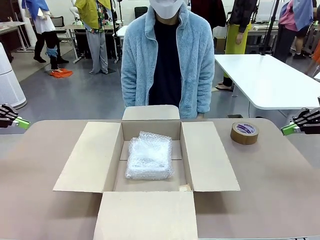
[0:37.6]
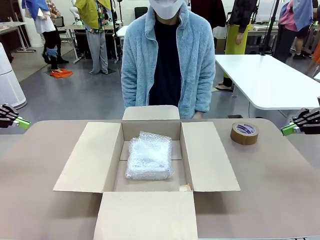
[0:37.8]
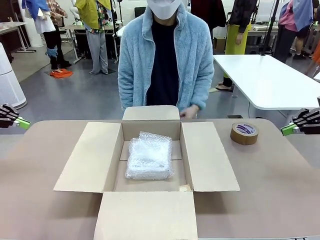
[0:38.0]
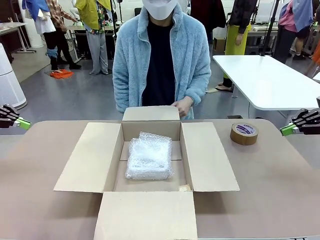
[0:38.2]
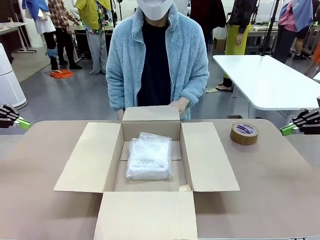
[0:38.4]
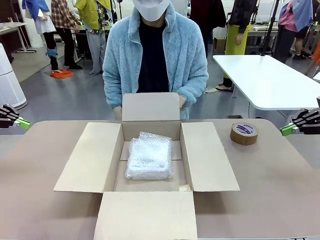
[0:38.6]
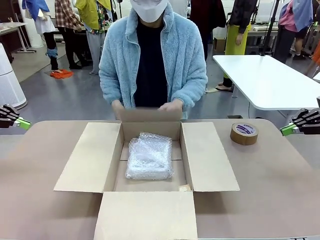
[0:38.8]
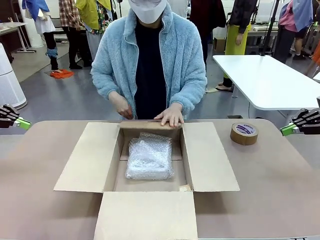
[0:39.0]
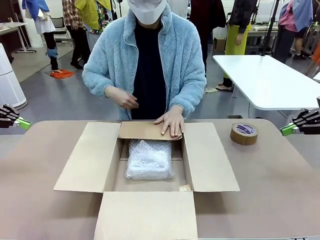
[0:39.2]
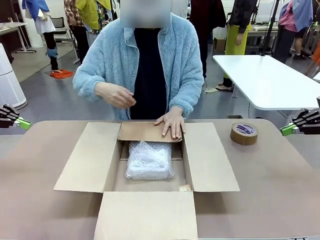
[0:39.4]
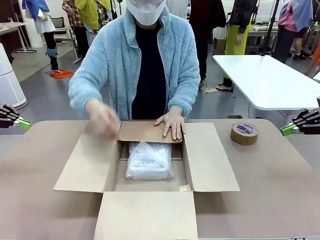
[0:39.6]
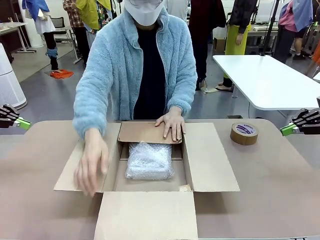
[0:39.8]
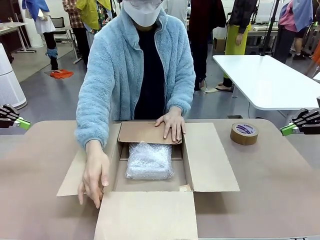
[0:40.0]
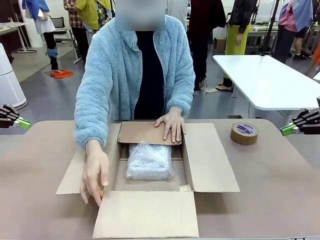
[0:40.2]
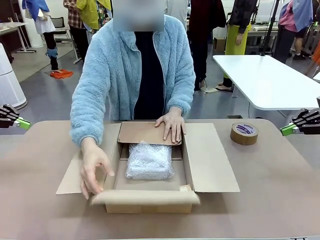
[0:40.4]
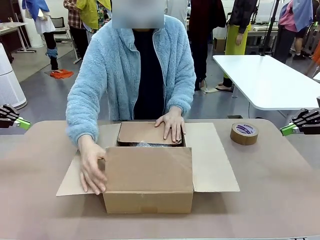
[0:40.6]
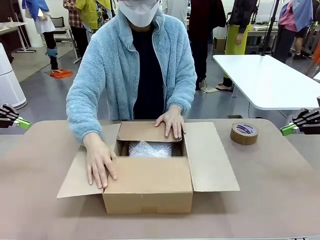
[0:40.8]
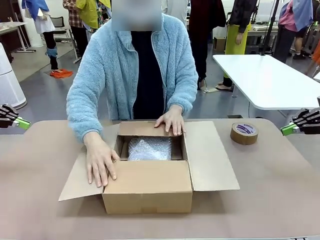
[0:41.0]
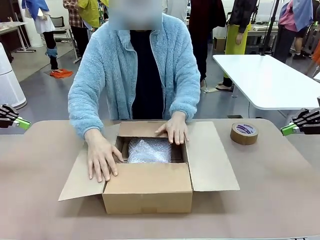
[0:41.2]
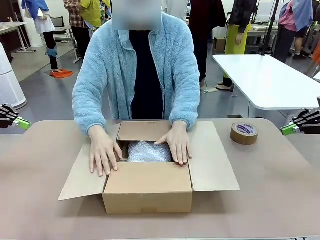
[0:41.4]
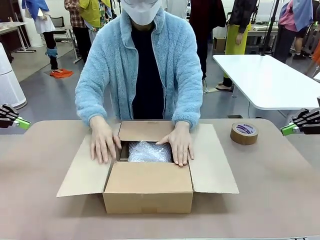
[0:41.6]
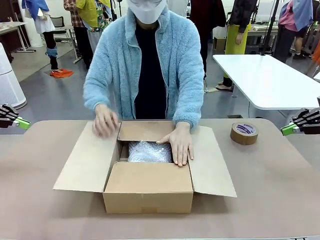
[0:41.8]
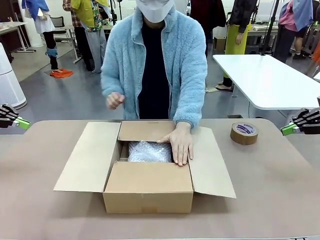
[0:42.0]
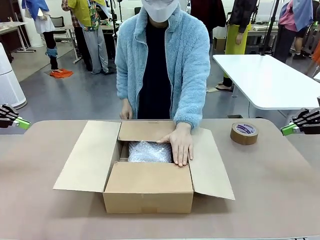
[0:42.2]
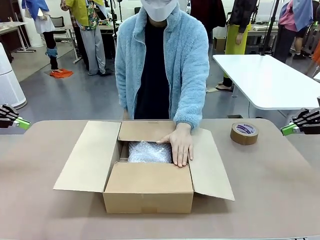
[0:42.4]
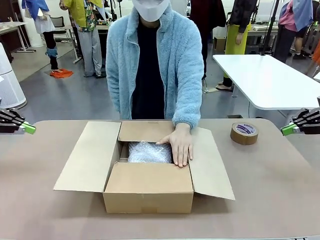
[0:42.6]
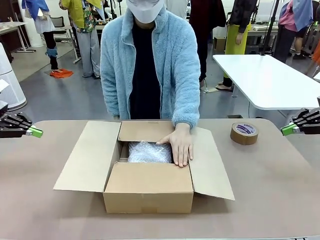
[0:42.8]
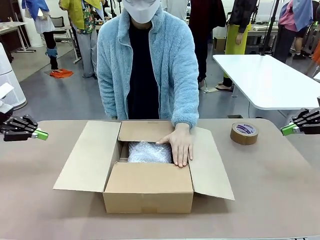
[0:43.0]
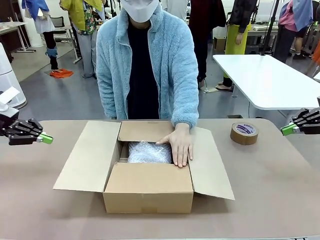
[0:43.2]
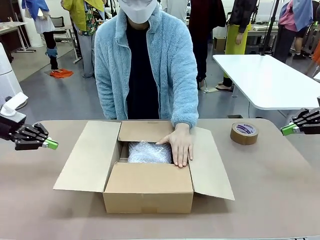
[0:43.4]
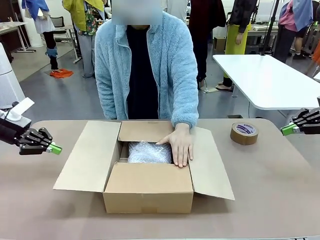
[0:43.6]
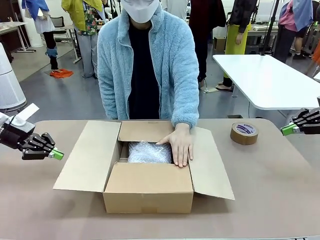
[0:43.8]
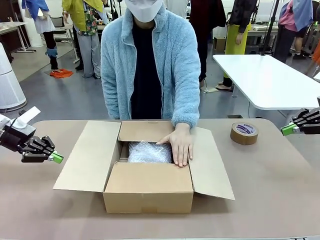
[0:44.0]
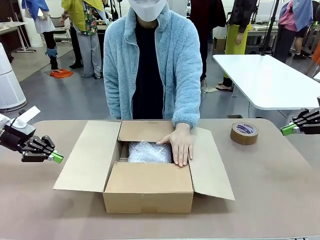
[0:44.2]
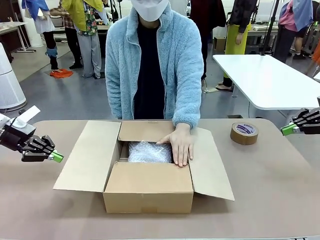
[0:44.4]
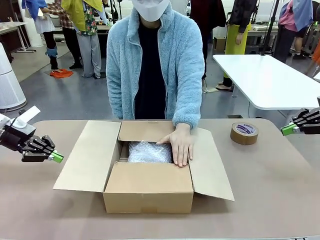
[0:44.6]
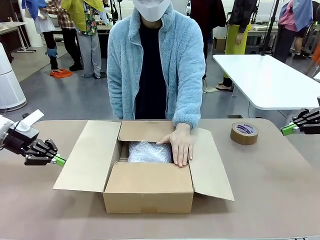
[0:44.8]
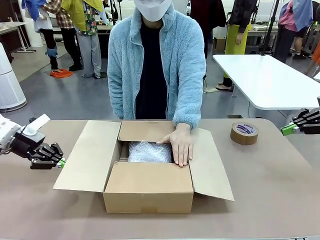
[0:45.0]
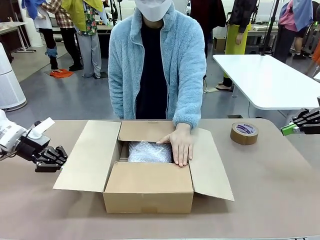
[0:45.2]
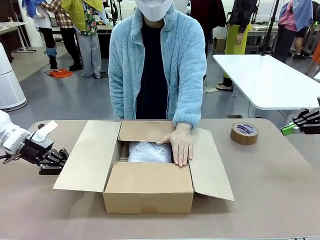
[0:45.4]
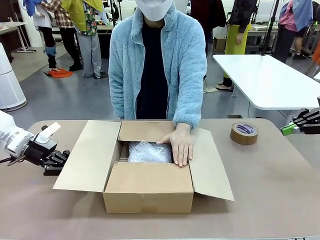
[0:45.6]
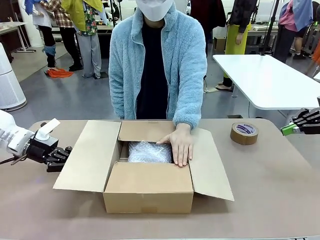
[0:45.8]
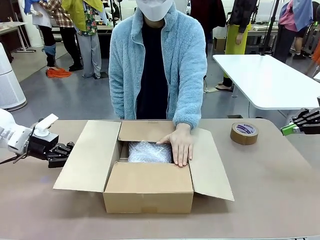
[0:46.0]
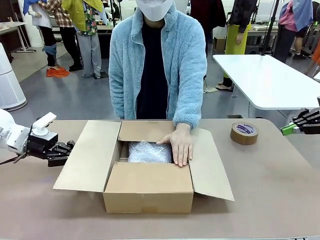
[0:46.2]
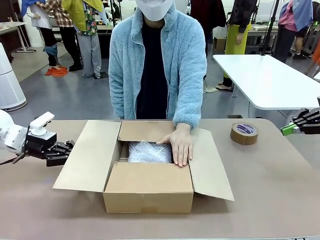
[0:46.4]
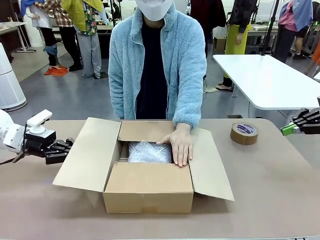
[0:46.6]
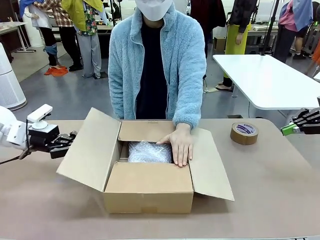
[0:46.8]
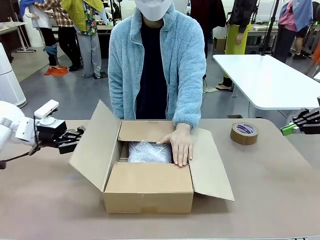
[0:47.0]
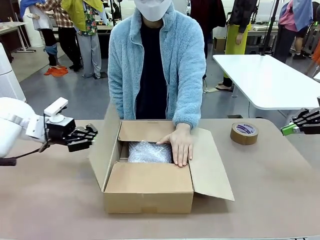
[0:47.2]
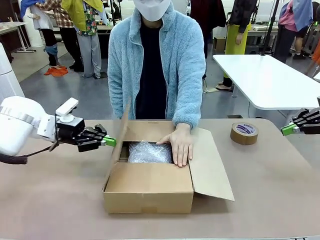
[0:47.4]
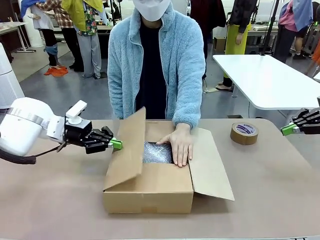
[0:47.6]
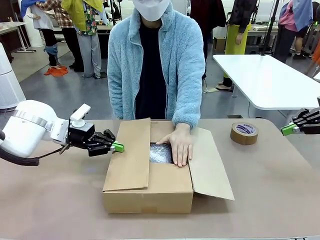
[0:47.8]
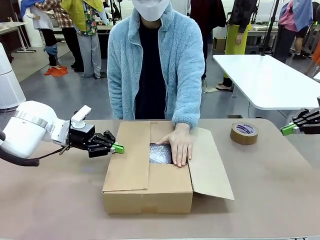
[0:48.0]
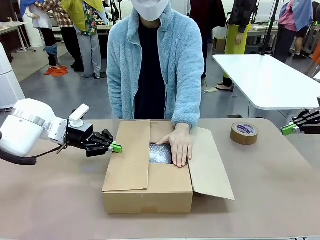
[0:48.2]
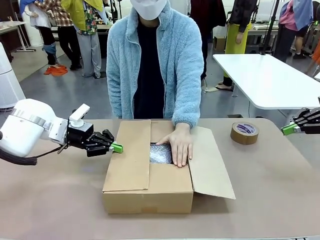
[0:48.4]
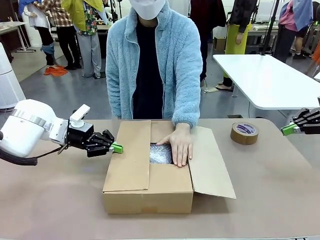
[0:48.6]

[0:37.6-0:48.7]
Task: Wrap the clocks to prevent damage.
Robot: Push the right (or left) flap of the Package Box to close it.
Person: Once the robot closes the right flap of the Package Box , release your left hand from the box.

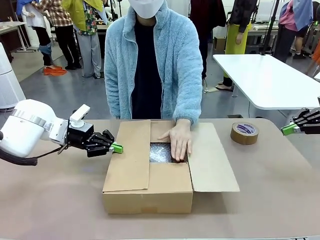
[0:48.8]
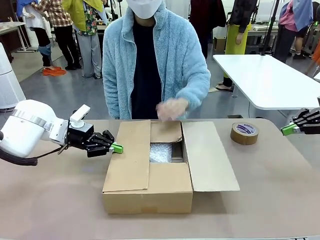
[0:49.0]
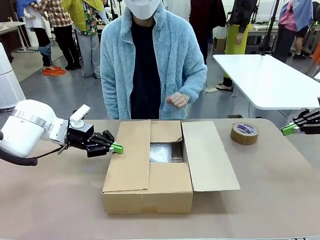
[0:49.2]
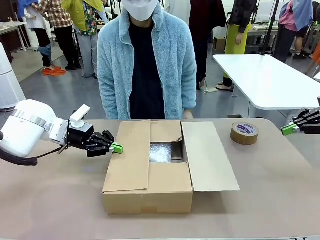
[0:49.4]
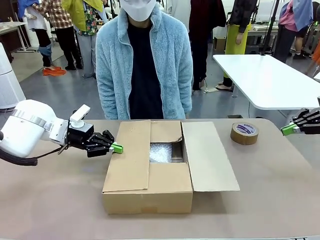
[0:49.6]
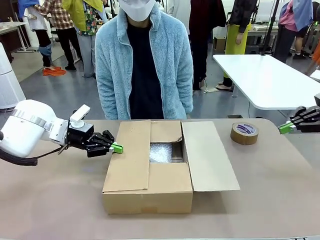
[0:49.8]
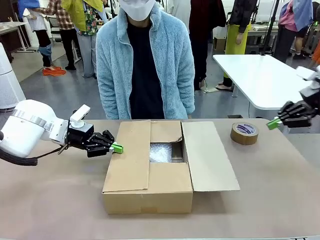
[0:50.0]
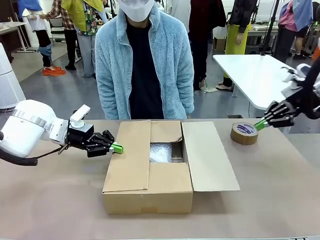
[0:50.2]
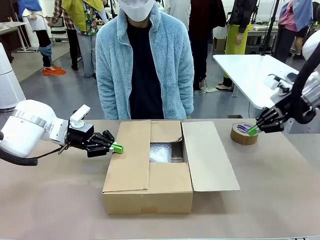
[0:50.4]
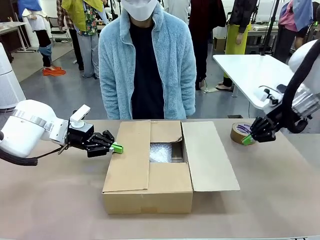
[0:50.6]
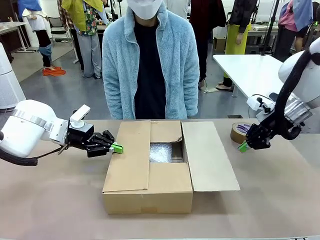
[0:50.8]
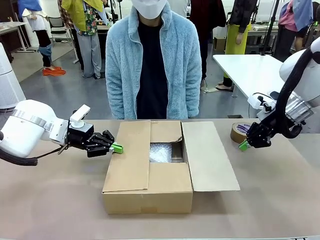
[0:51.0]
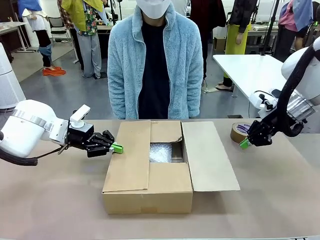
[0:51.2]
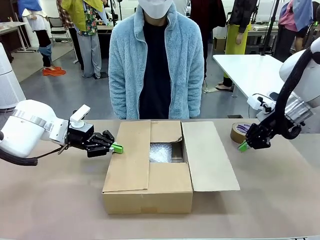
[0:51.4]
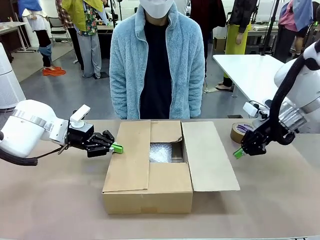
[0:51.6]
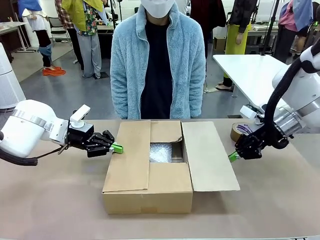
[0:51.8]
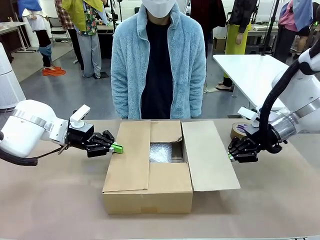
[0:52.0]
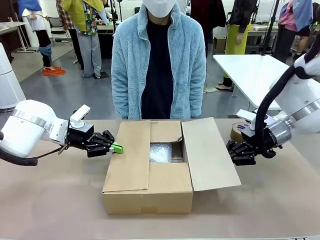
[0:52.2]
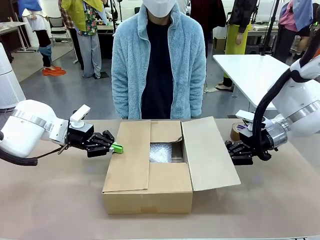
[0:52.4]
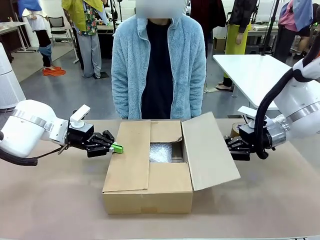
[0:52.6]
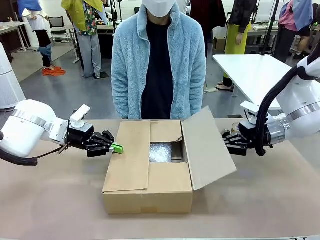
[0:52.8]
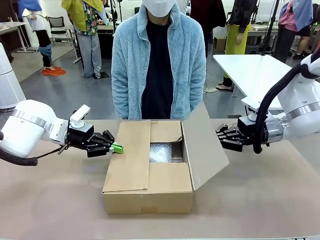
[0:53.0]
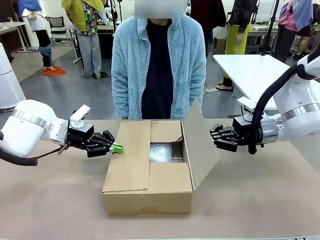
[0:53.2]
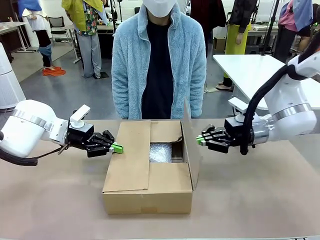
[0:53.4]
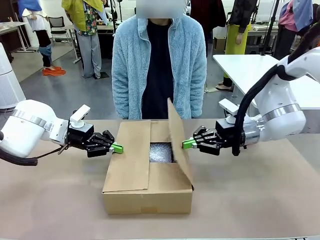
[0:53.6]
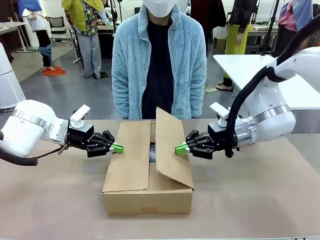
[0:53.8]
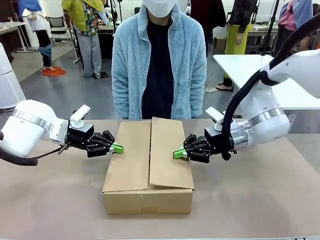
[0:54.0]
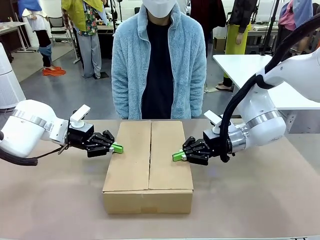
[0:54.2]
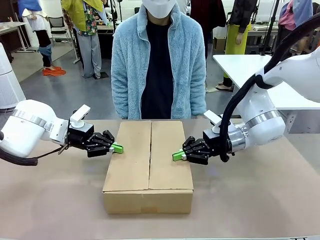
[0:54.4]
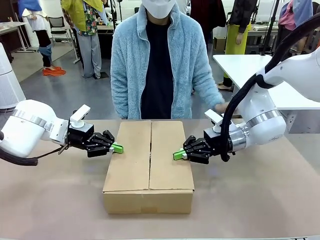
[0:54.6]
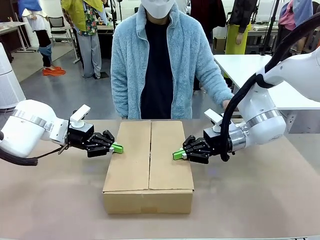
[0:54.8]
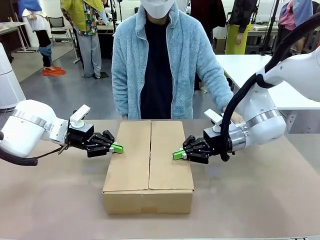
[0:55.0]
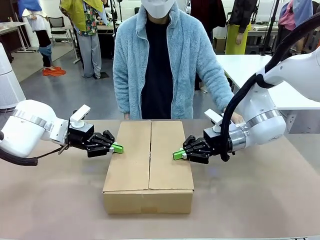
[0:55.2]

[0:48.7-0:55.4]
Robot: Push the left (or right) flap of the Package Box to close it.
